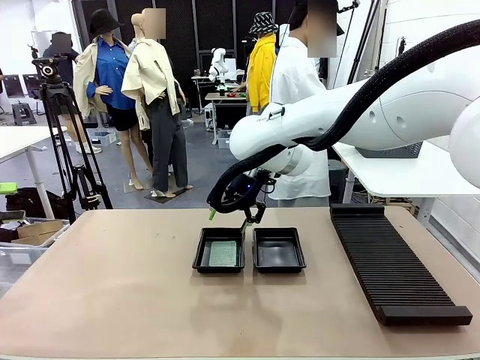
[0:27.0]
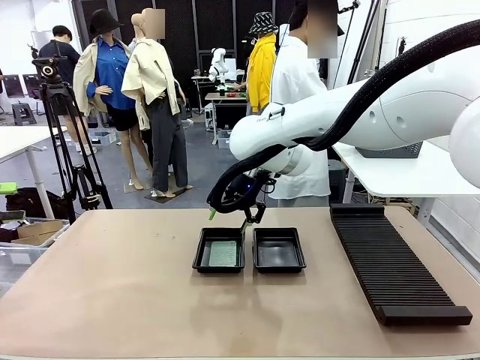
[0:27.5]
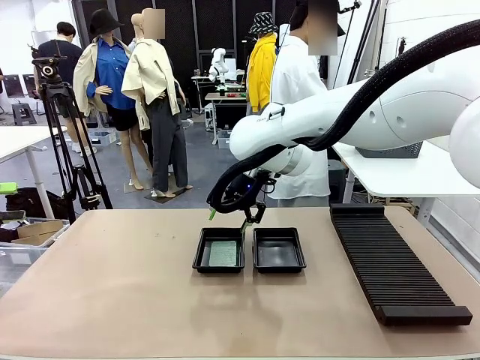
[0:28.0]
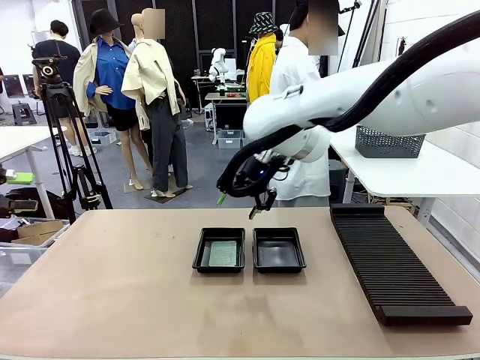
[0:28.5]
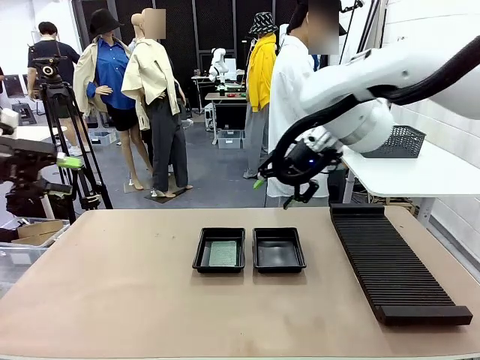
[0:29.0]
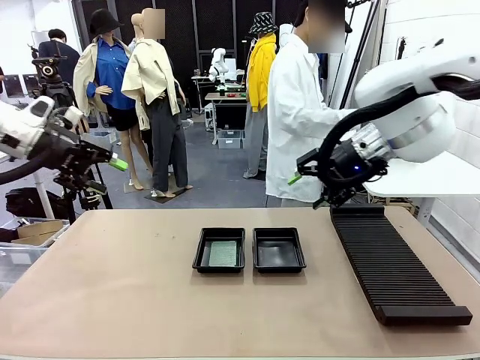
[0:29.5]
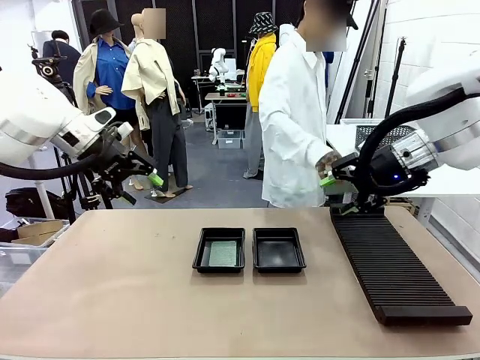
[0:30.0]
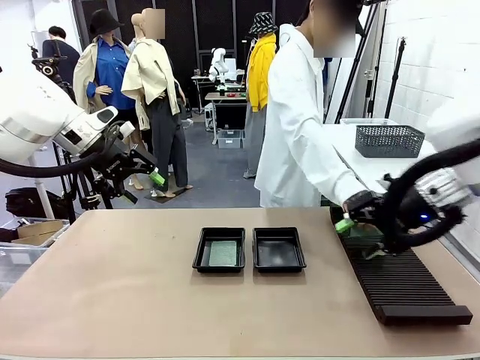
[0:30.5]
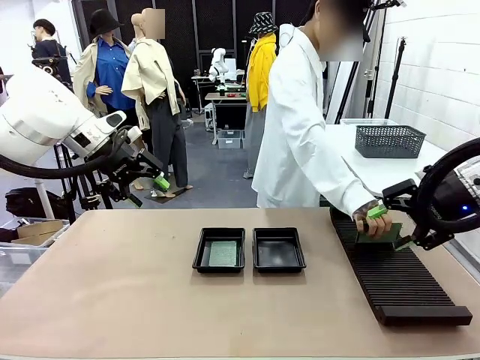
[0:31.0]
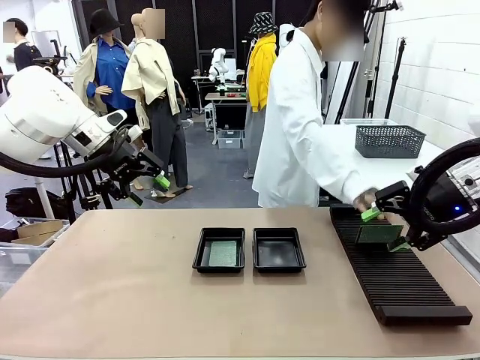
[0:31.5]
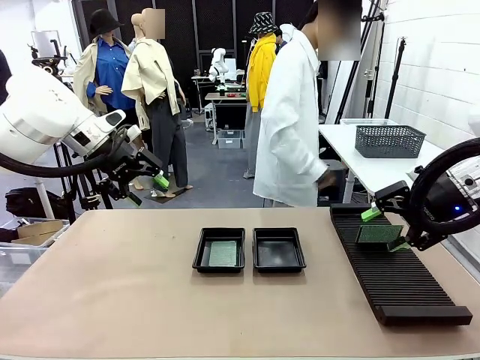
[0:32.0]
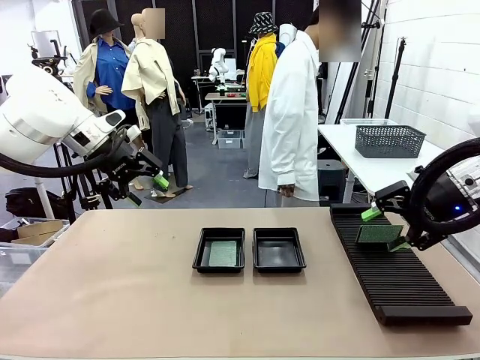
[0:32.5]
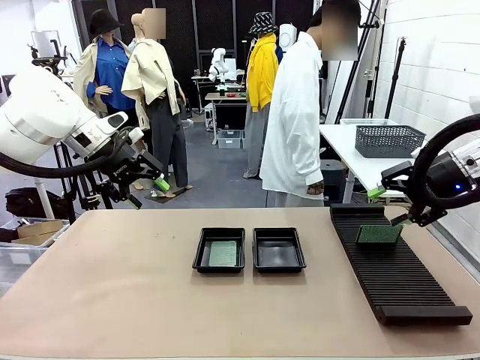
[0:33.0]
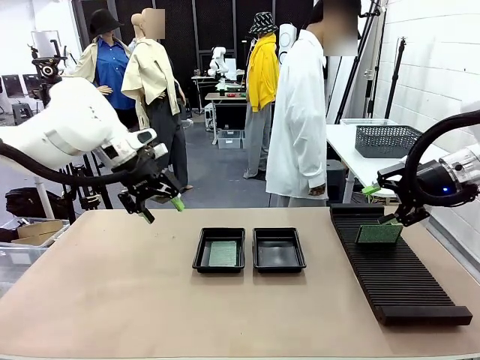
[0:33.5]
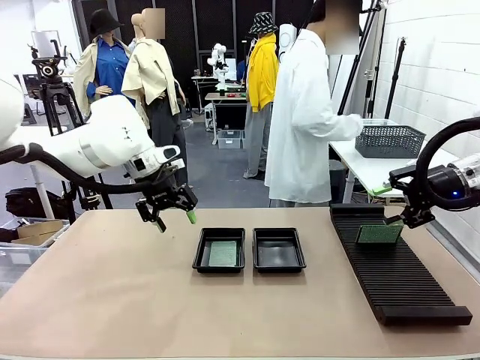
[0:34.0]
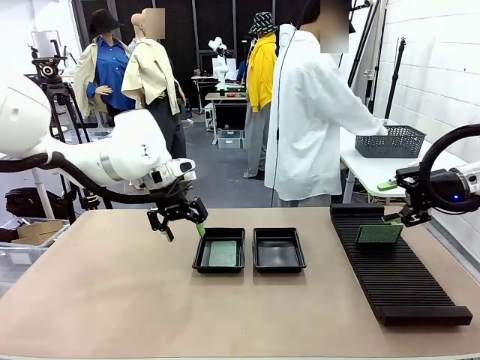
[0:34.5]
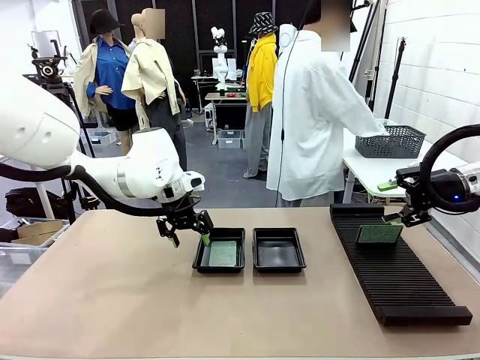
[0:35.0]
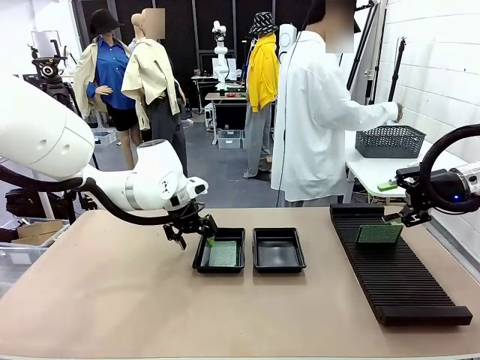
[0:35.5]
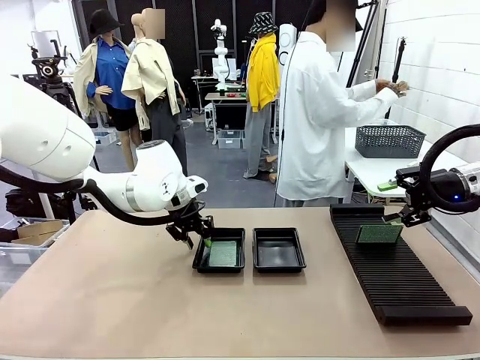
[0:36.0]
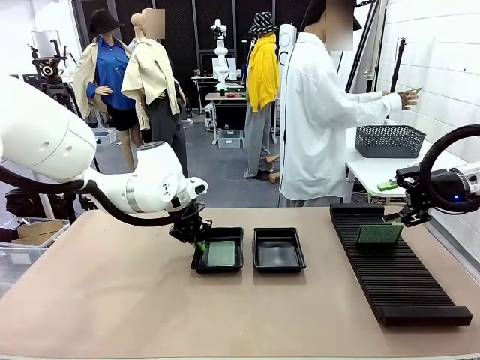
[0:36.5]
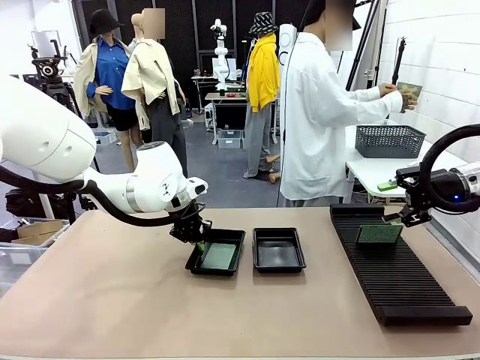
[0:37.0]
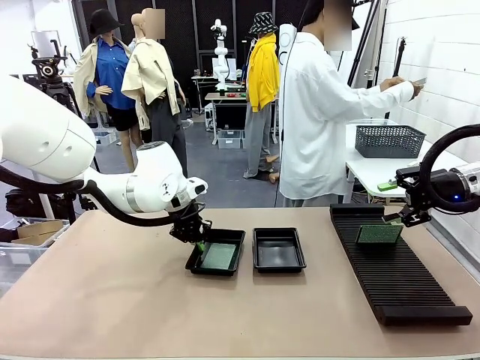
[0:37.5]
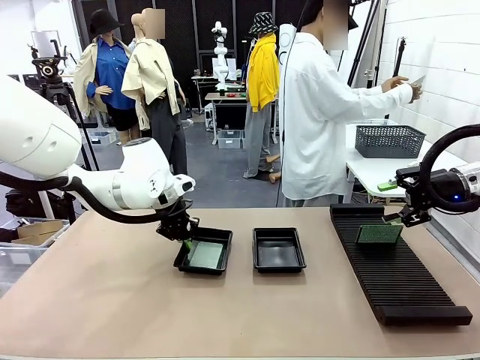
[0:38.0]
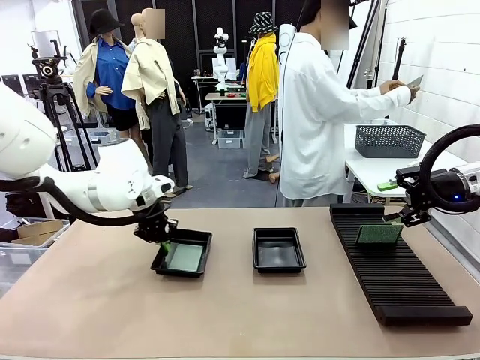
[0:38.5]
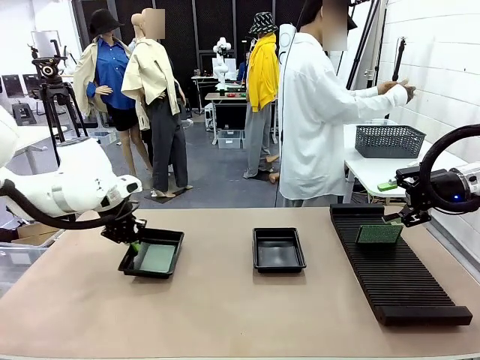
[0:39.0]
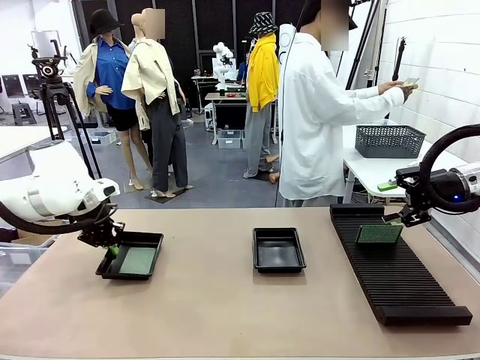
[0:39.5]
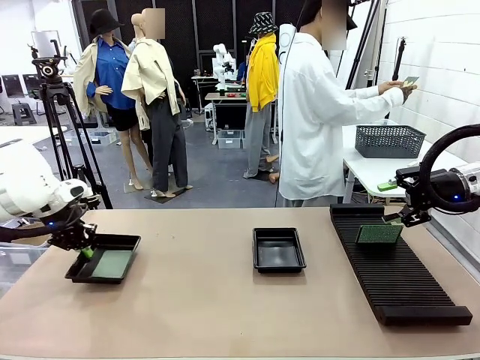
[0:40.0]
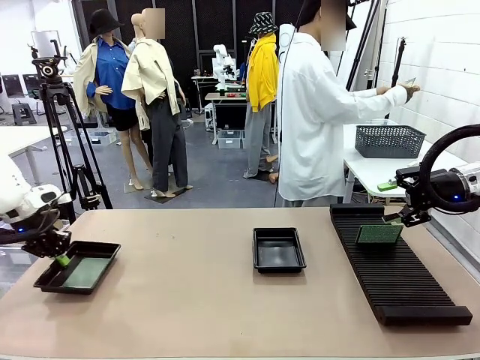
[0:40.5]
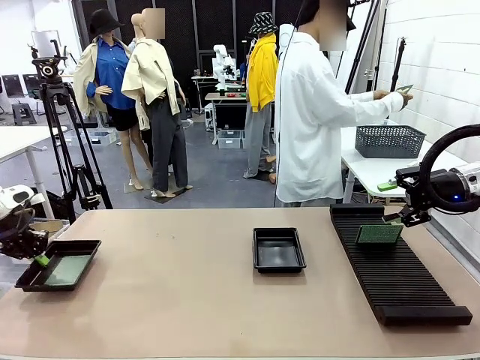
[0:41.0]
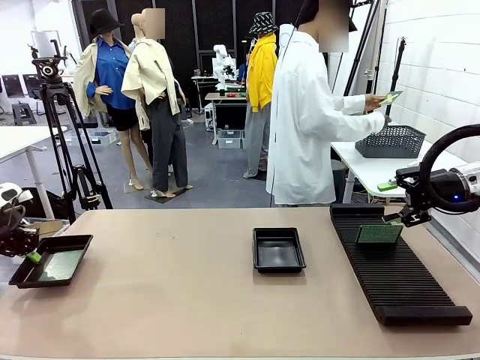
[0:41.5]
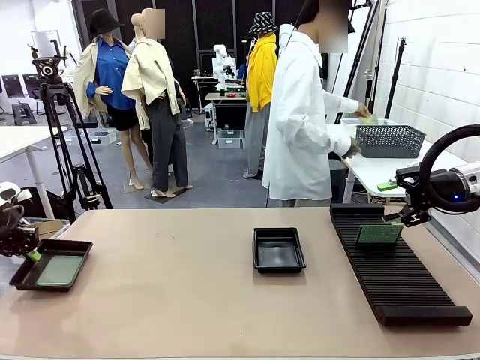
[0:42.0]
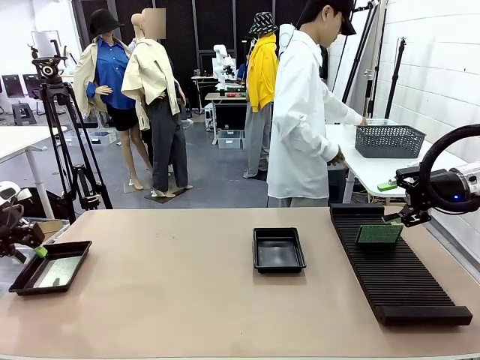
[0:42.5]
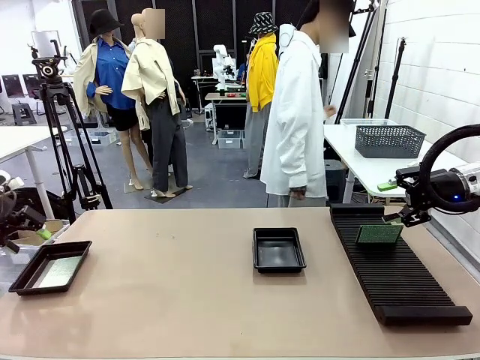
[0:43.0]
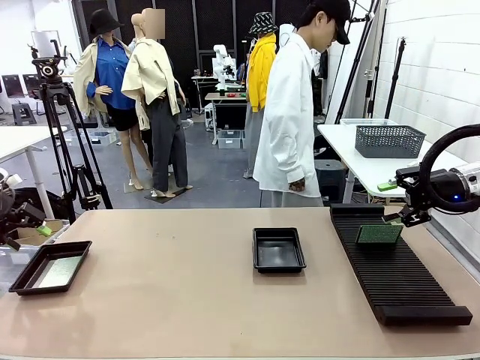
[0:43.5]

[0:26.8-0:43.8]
Task: Inspect and transfer BCBs to ESD trays.
Robot: Pick up the ESD tray and place it on the left side of the table.

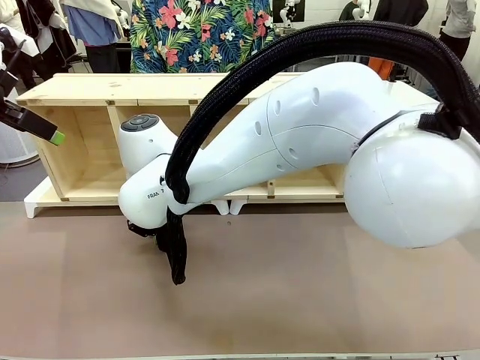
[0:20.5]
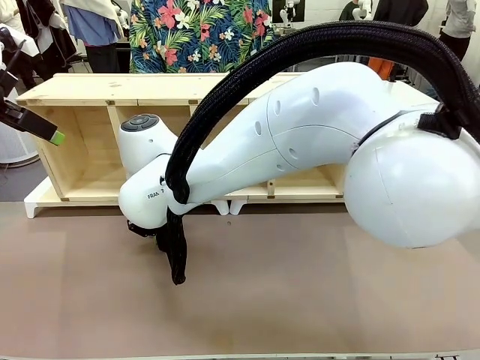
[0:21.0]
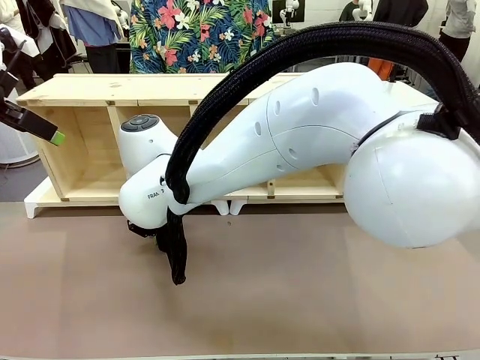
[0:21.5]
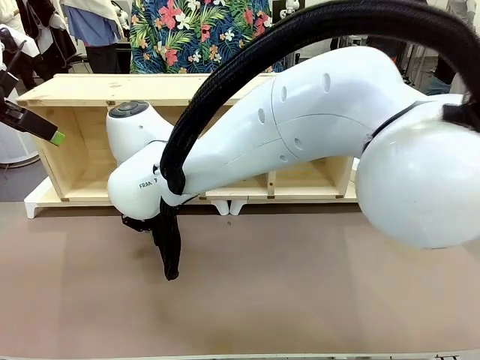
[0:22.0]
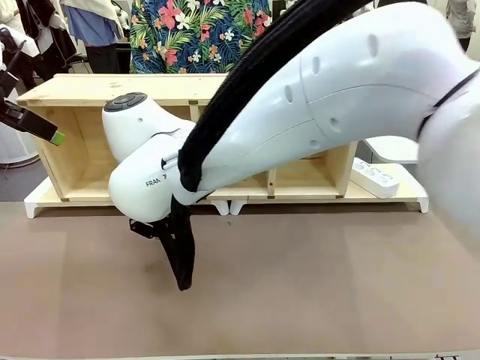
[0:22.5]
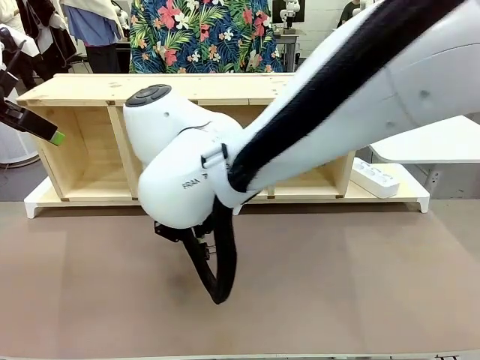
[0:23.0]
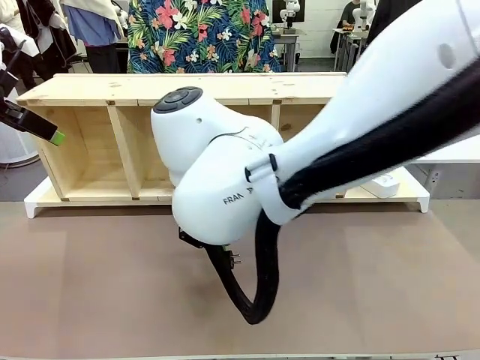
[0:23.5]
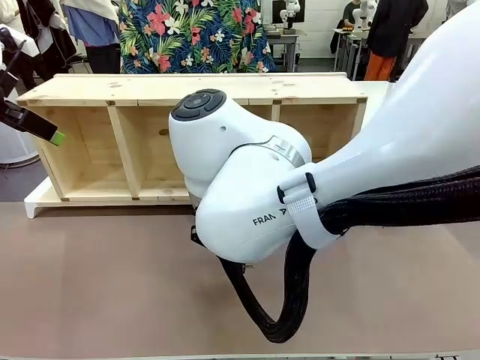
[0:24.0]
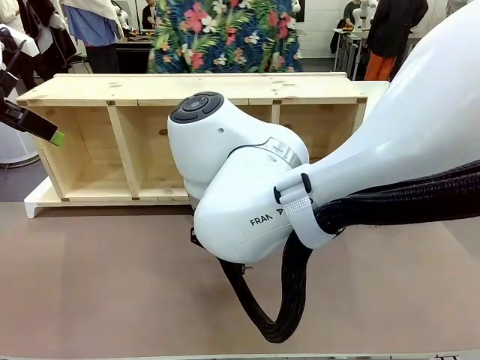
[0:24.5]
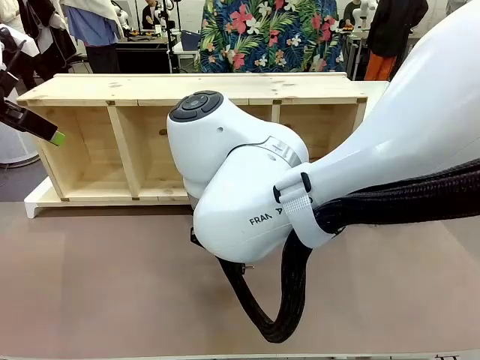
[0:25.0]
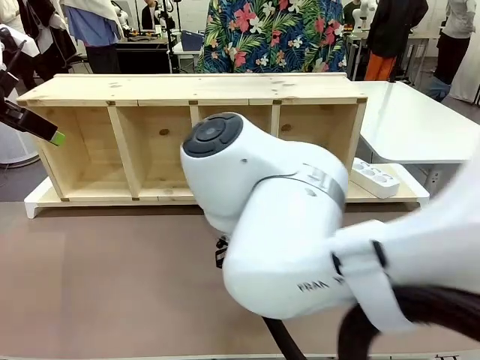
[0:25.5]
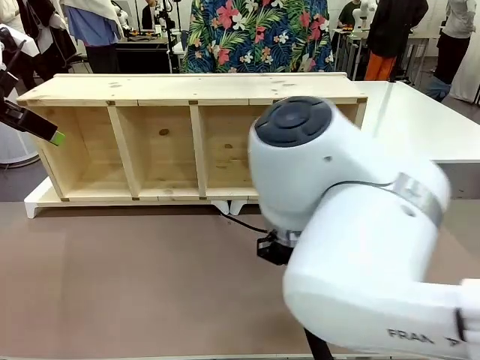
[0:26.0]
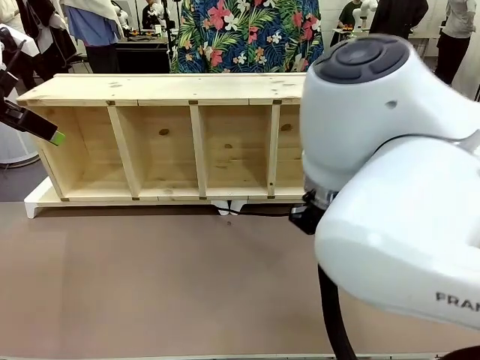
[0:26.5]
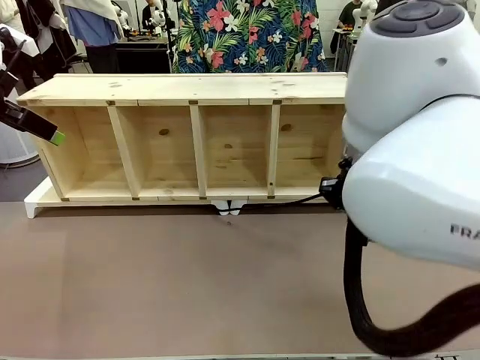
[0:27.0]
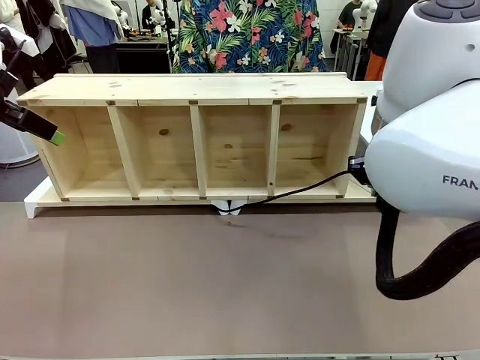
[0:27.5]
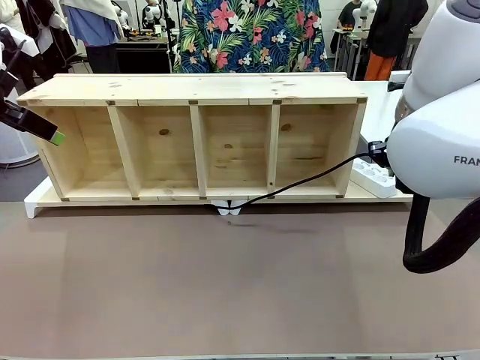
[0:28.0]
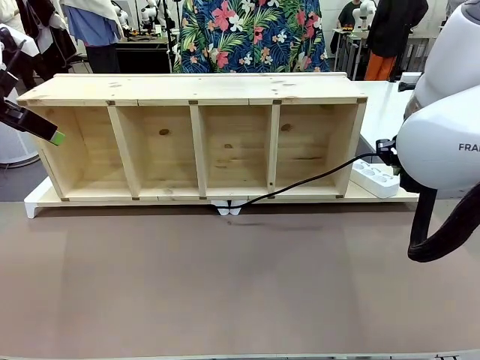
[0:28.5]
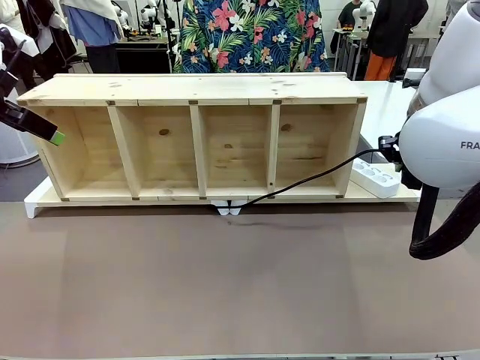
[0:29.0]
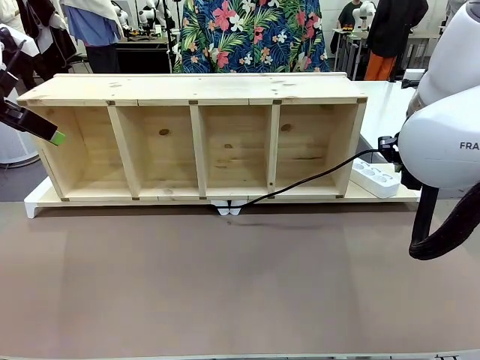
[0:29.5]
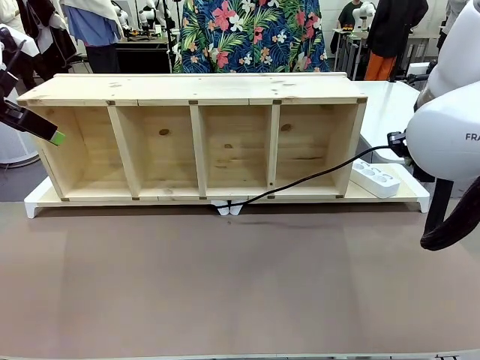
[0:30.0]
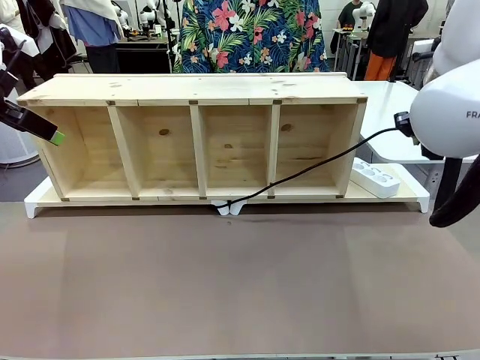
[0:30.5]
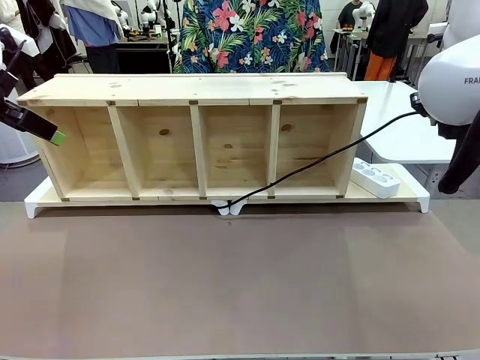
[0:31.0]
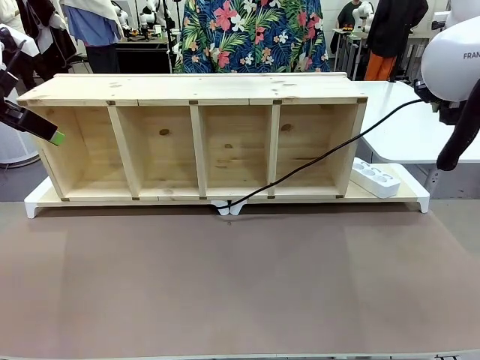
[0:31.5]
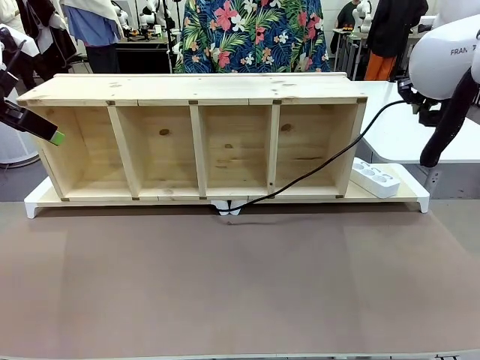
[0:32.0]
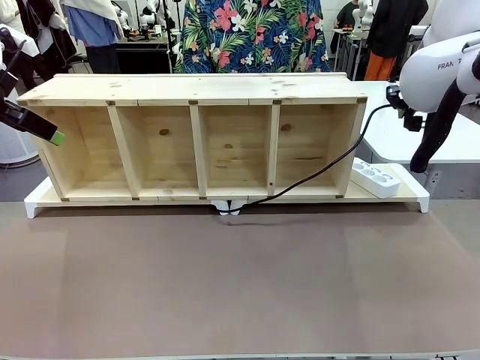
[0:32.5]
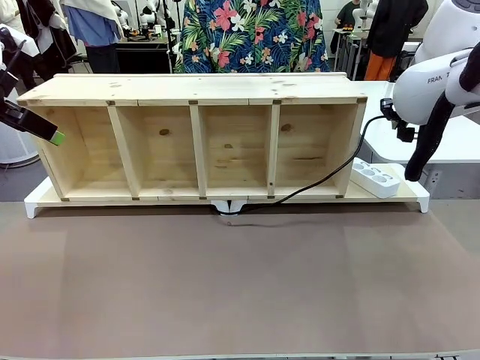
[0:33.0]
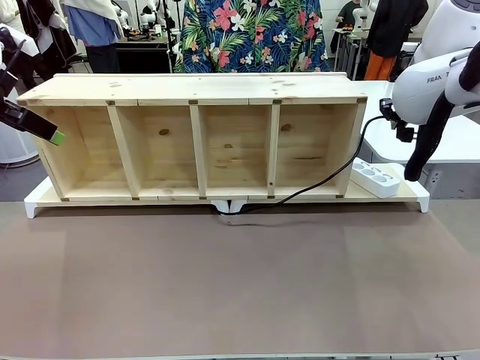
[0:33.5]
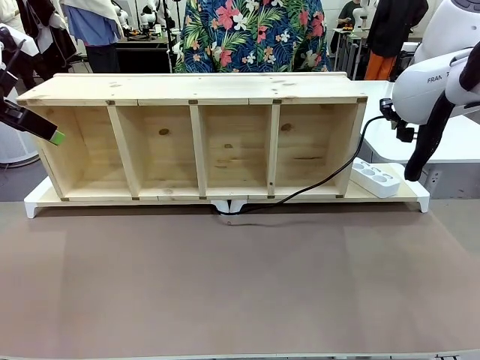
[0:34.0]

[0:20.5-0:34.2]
Task: Perform cable management.
Robot: Pull the grasped Power Cable to the location of the Power Strip.
